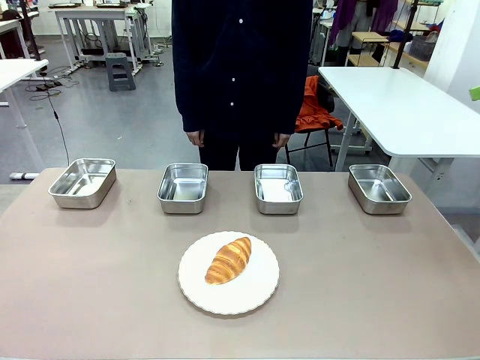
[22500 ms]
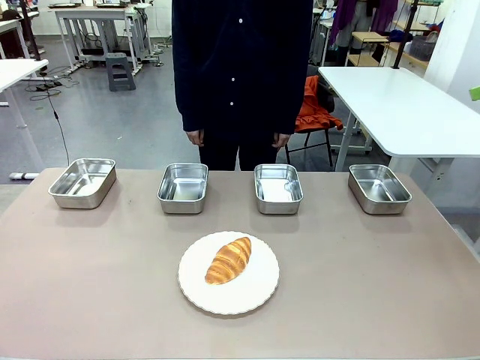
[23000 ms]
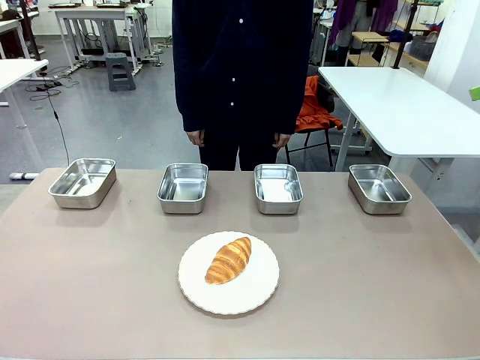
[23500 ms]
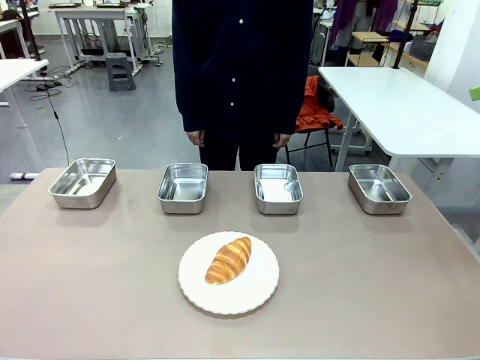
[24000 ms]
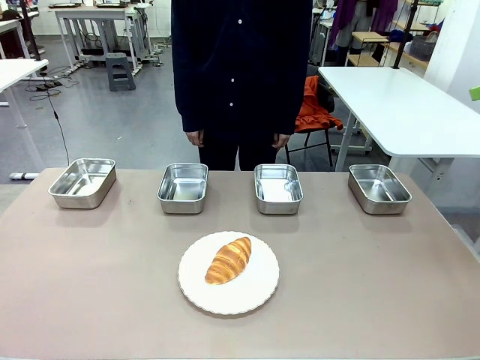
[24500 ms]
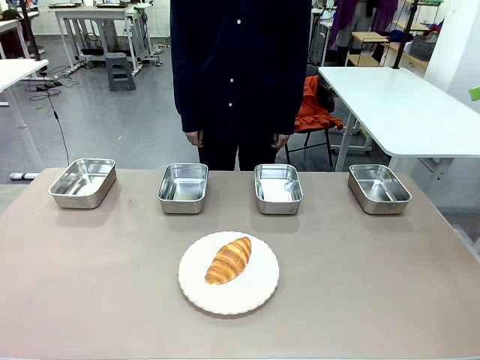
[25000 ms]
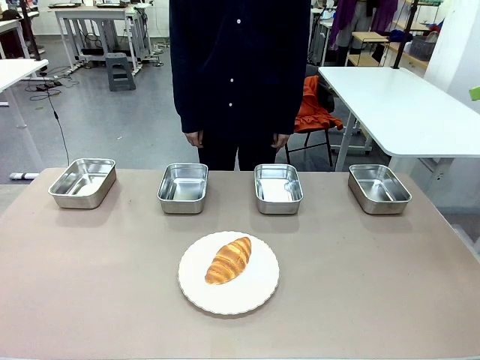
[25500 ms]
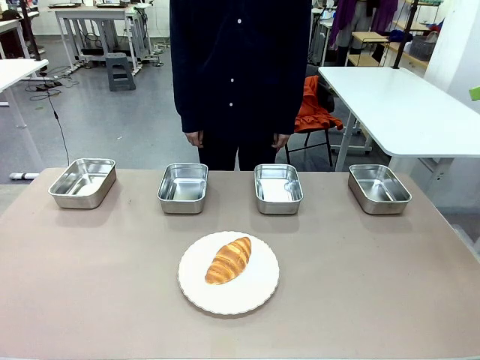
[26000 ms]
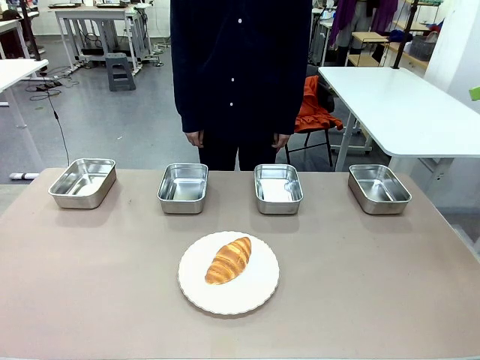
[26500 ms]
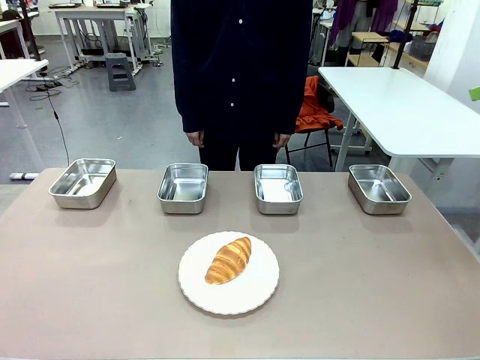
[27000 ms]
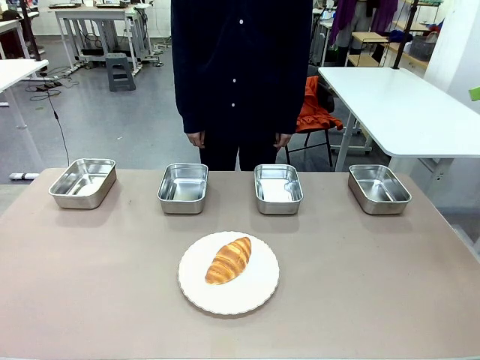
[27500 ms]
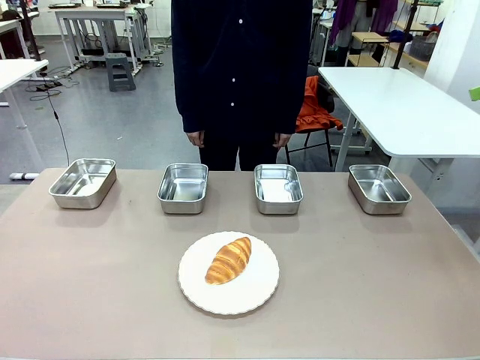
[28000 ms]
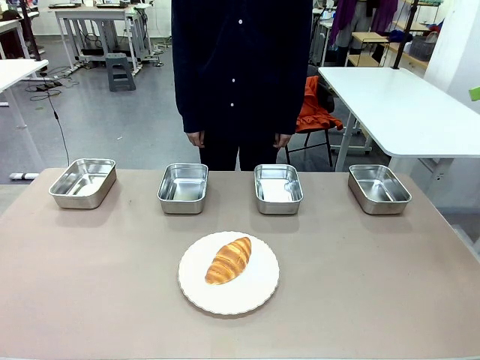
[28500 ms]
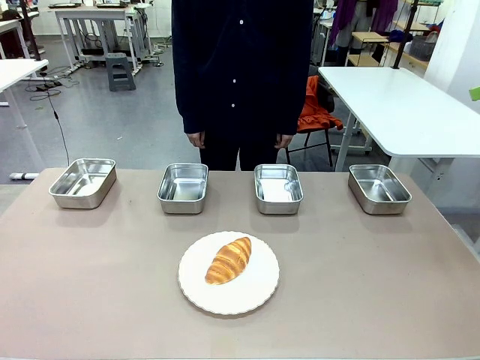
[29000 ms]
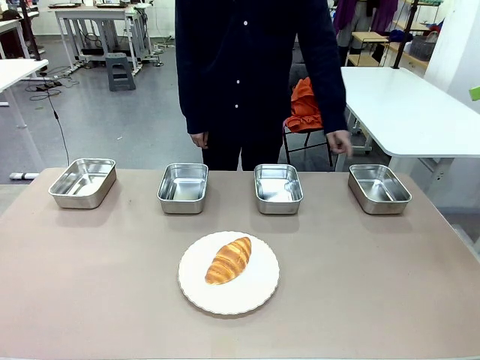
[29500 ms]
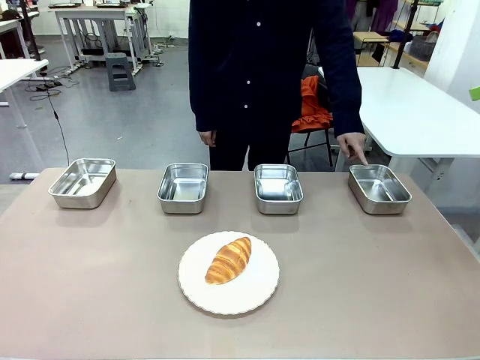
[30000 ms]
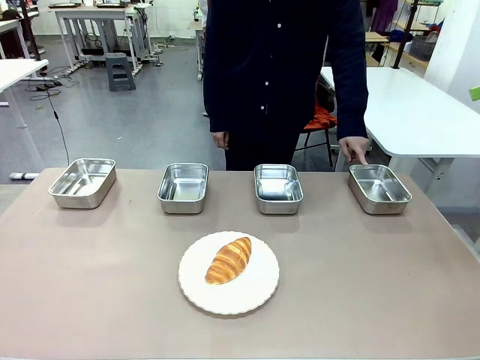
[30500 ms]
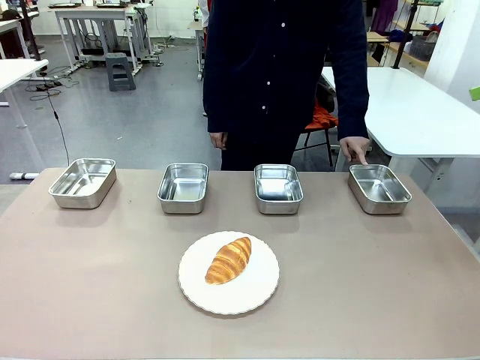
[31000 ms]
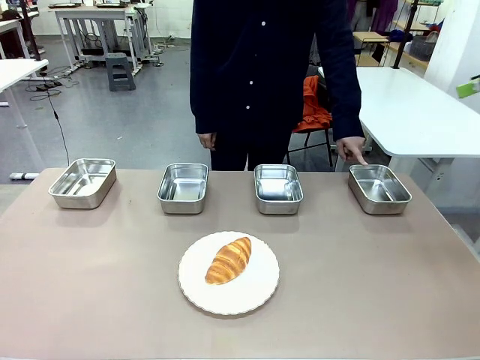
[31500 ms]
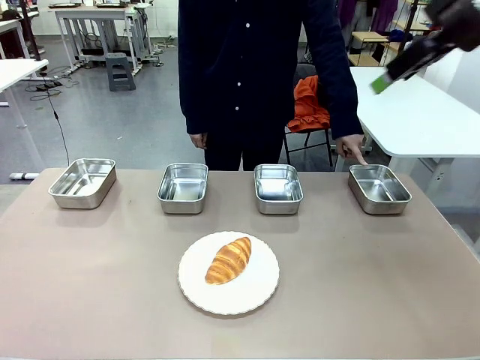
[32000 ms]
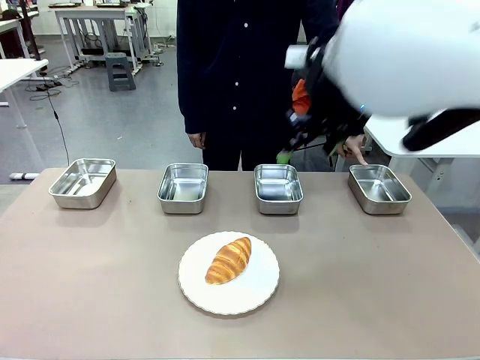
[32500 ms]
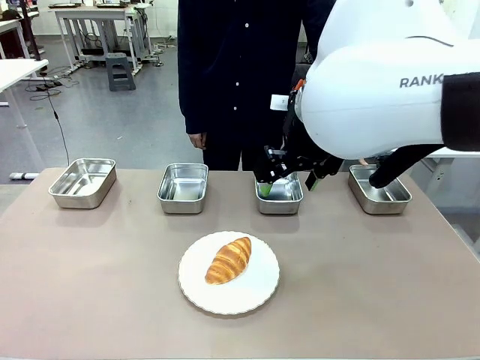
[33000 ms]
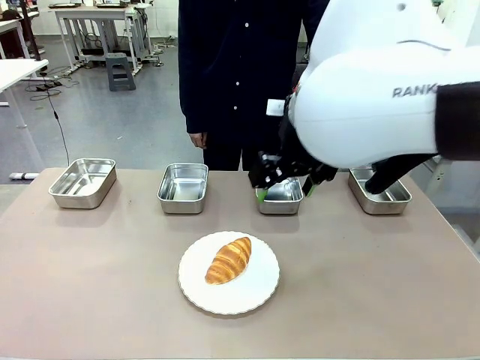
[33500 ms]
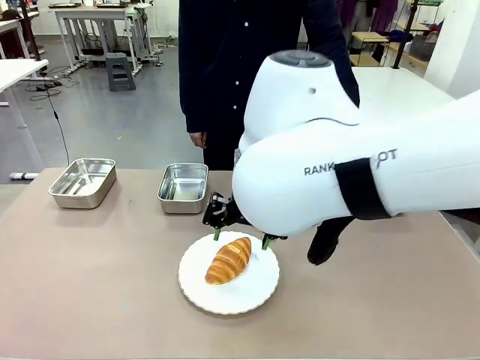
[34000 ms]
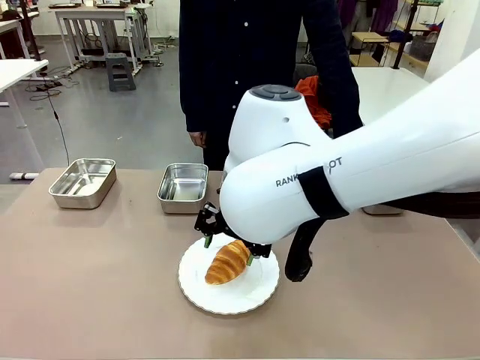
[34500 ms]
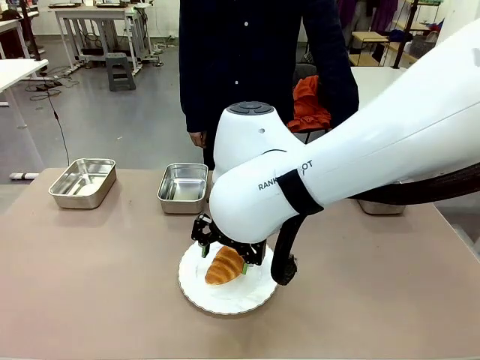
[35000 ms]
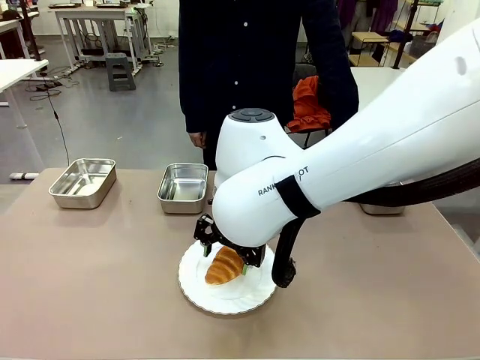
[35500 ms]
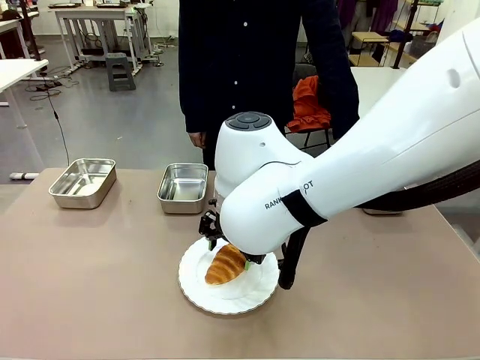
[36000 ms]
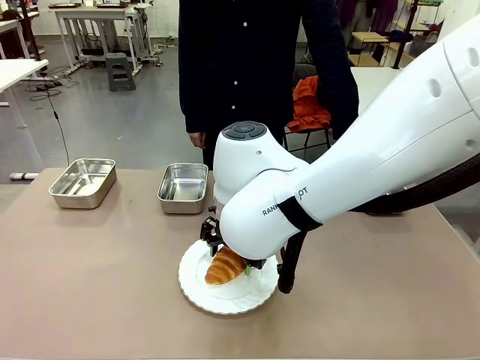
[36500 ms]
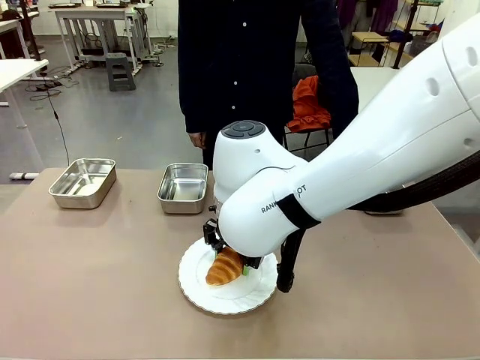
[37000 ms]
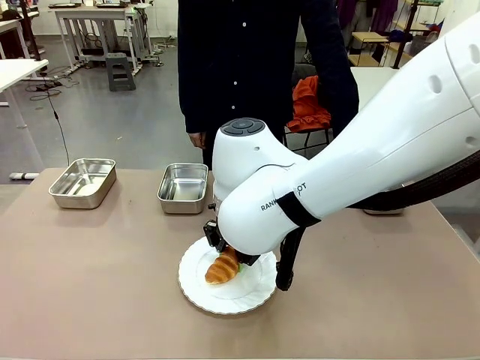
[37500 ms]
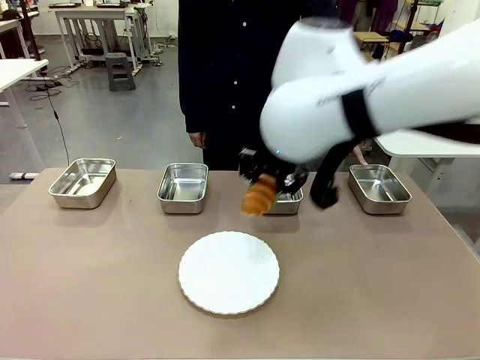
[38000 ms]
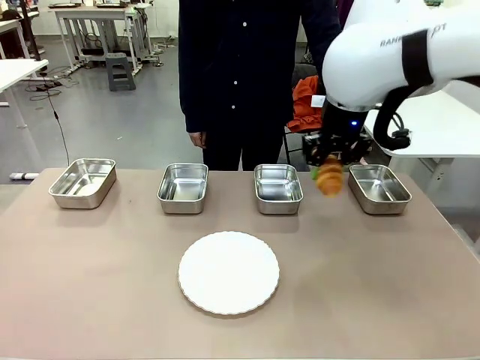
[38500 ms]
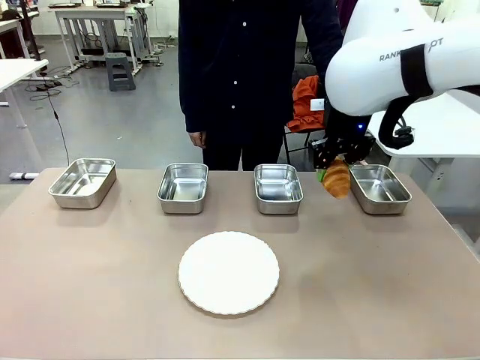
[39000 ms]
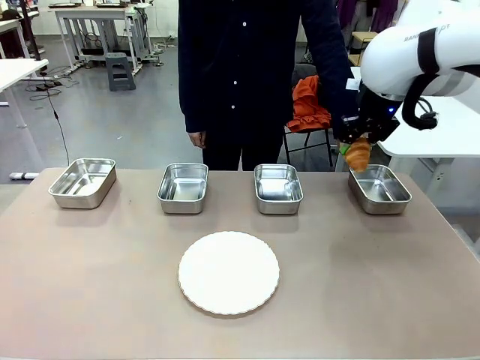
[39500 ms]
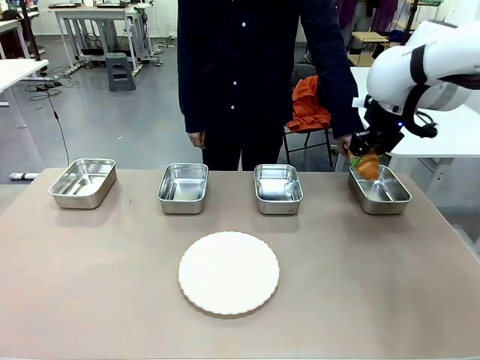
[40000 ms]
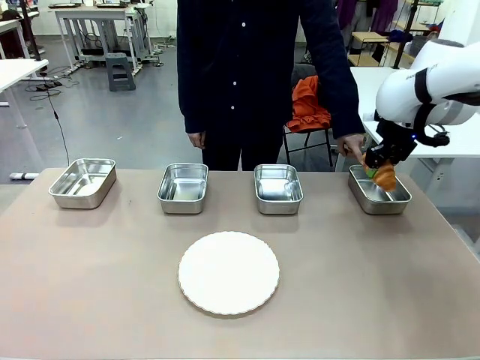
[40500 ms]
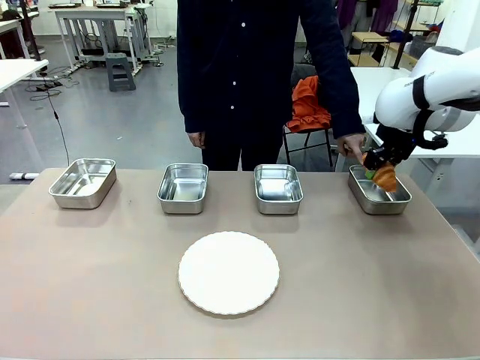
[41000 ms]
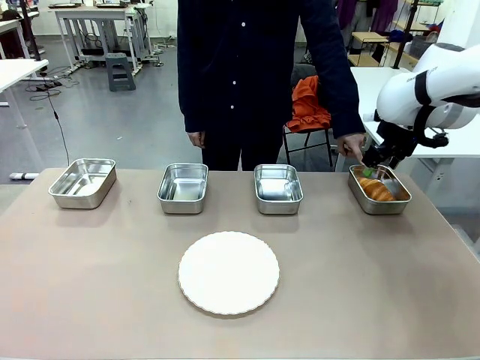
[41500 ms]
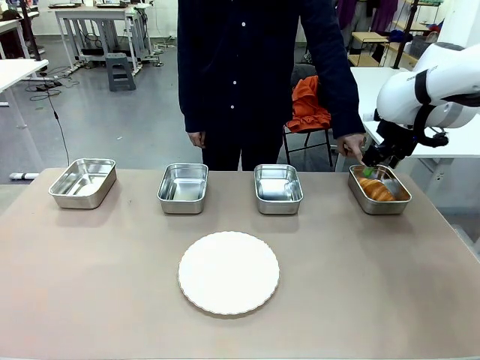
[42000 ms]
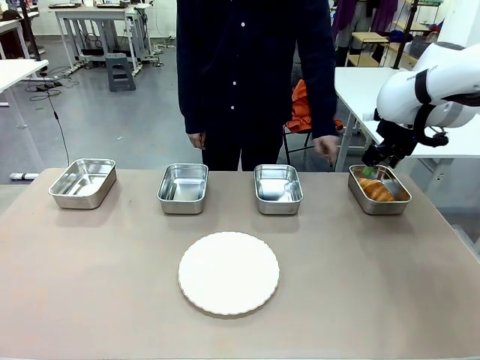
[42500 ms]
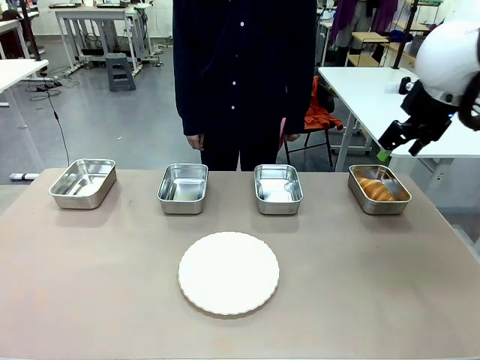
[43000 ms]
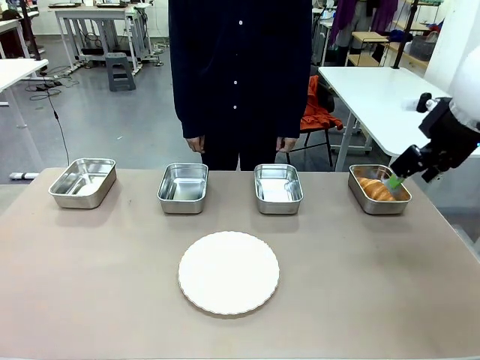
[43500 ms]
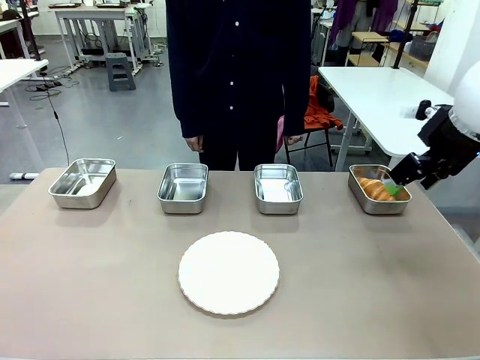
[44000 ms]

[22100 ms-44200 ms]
Task: Place the bread in the container.
Robot: Place the Butter Roll into the Airtight Container indicated by the human.

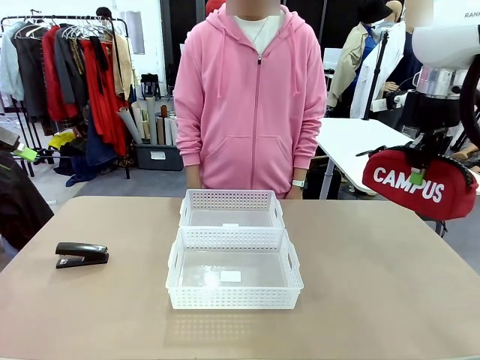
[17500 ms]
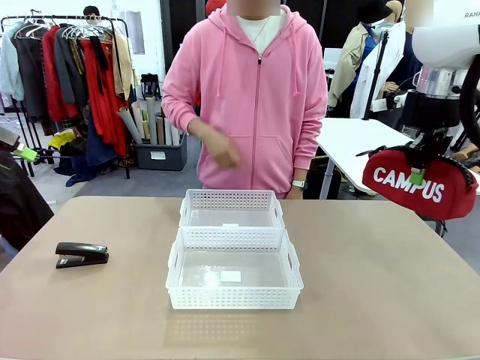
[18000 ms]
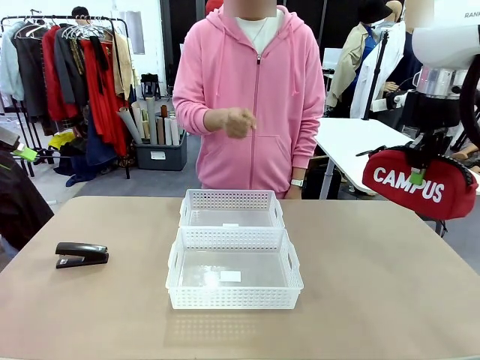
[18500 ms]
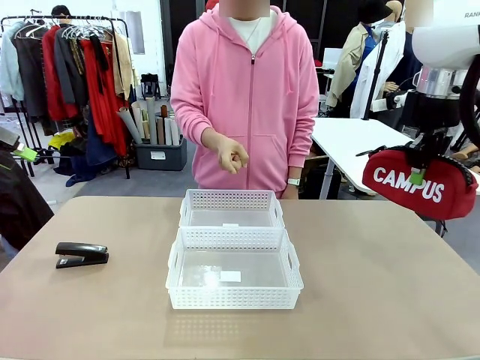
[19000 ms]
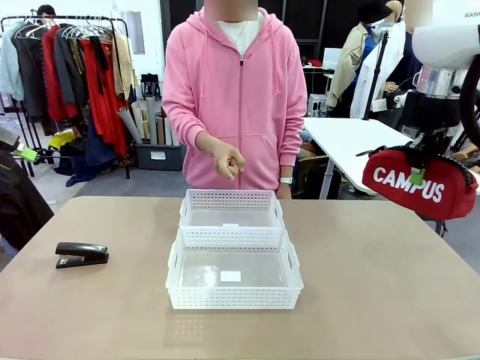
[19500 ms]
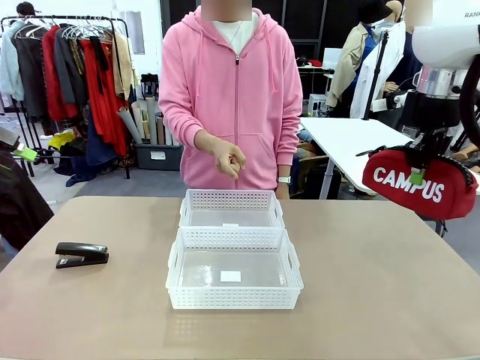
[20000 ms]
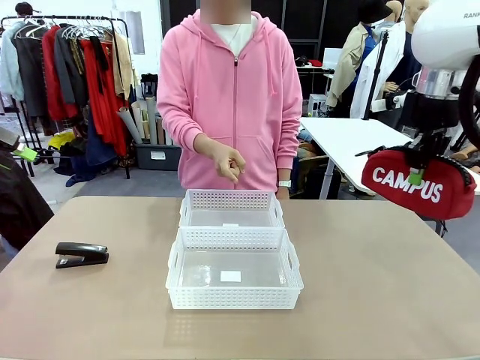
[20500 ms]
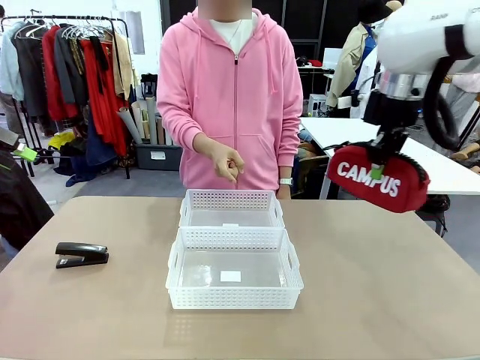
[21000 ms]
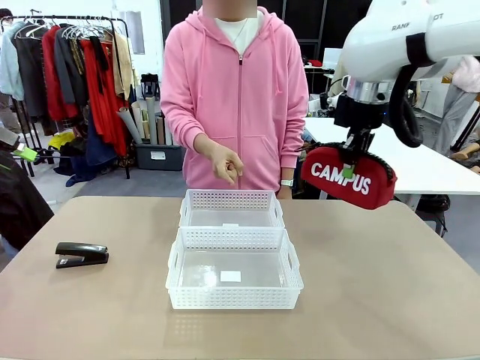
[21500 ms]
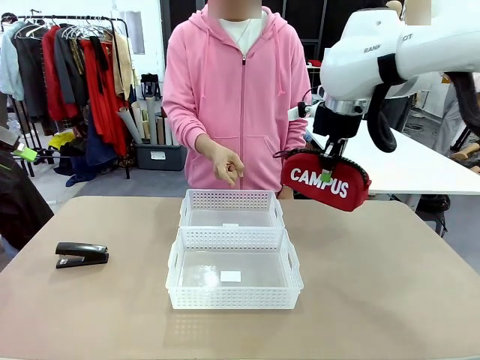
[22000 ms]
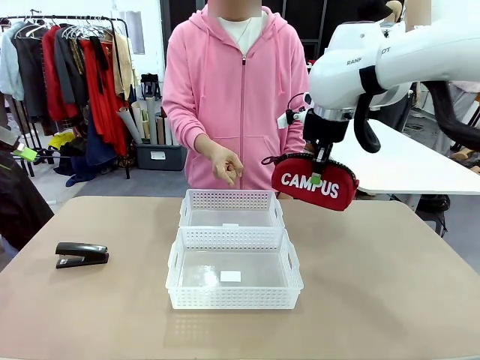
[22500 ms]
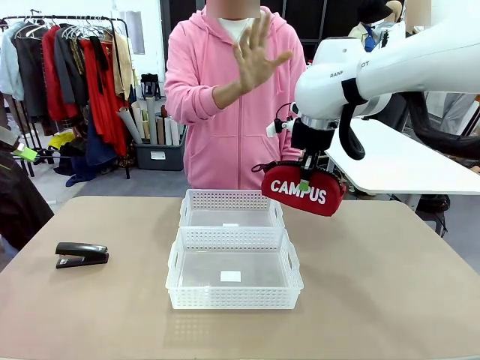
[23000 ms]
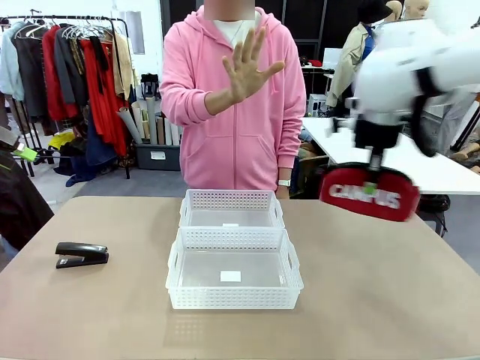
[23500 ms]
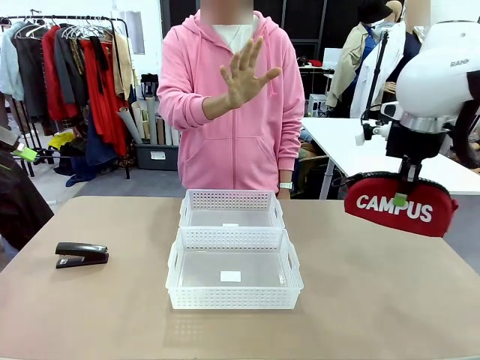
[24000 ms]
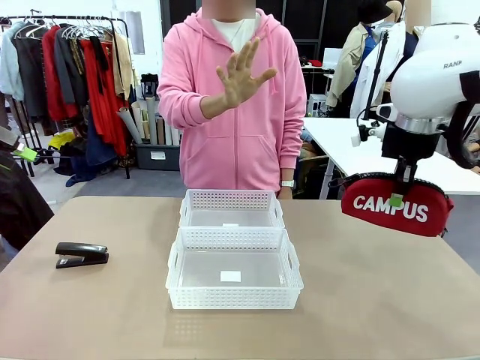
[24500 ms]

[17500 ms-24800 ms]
Task: Distribute items into two baskets.
Robot: Move the picked Pencil pouch towards the Organizing basket indicated by the person, stopping as directed.
Person: Sends a stop gesture before the robot places the pencil case into the basket.
